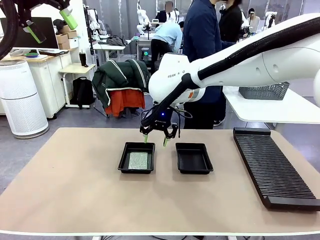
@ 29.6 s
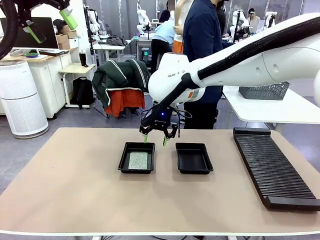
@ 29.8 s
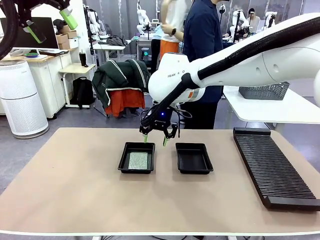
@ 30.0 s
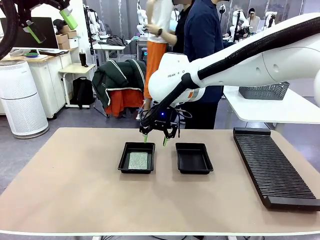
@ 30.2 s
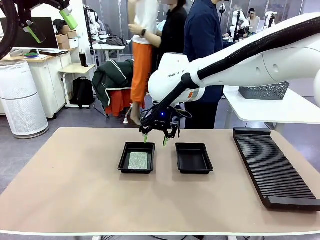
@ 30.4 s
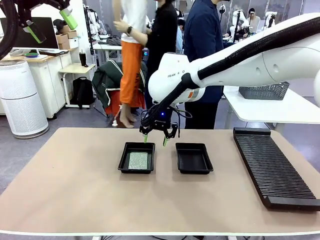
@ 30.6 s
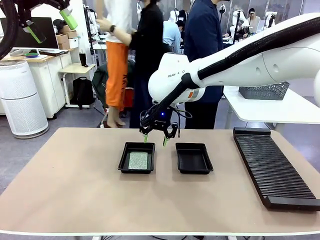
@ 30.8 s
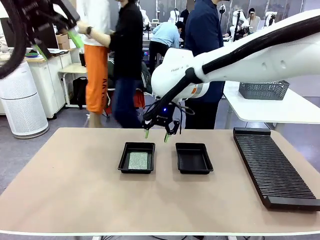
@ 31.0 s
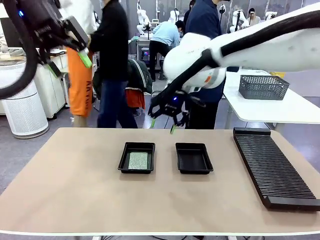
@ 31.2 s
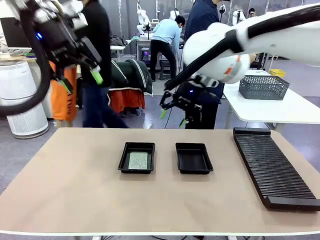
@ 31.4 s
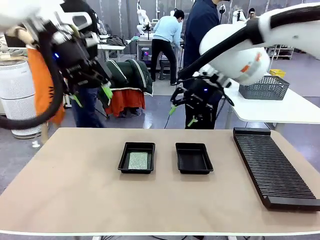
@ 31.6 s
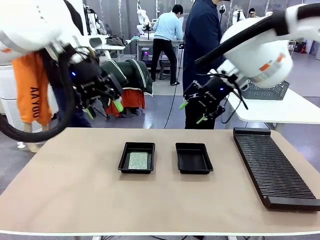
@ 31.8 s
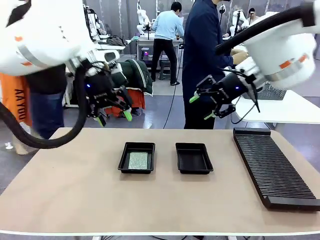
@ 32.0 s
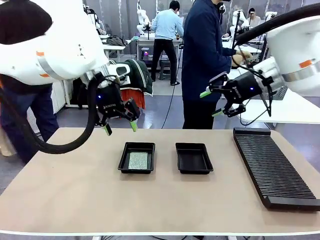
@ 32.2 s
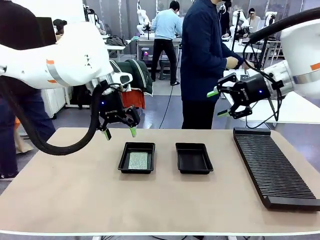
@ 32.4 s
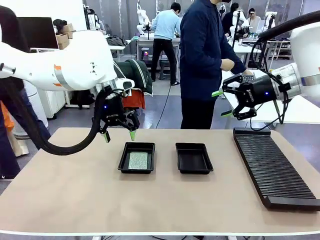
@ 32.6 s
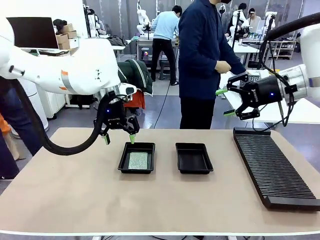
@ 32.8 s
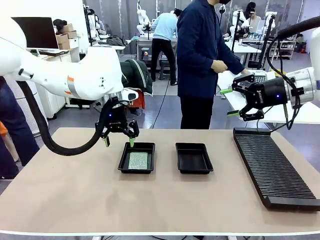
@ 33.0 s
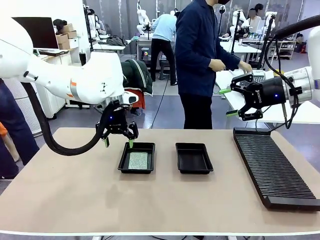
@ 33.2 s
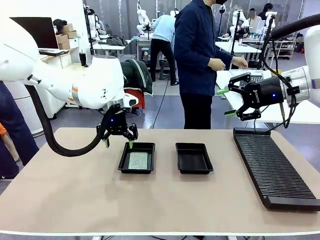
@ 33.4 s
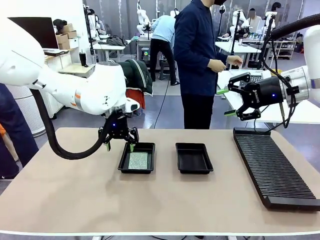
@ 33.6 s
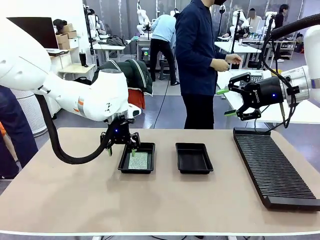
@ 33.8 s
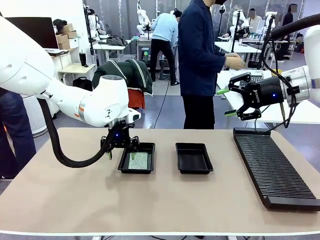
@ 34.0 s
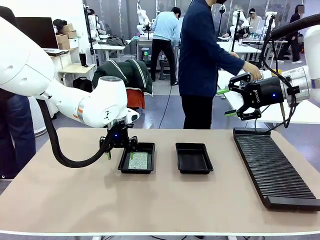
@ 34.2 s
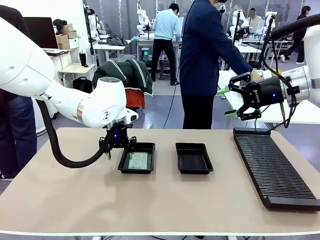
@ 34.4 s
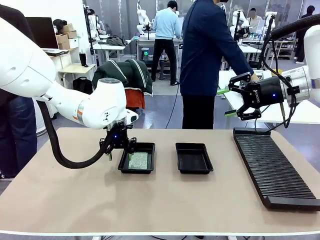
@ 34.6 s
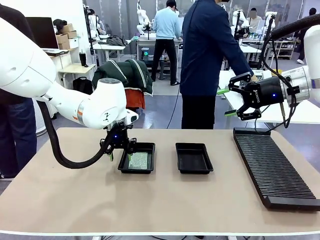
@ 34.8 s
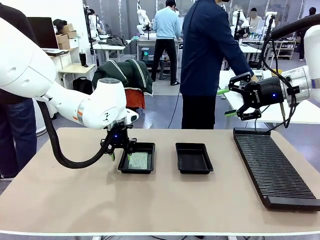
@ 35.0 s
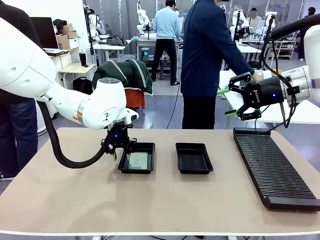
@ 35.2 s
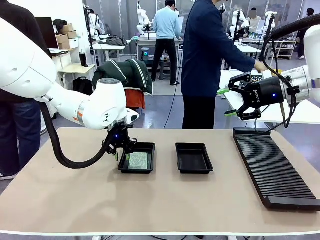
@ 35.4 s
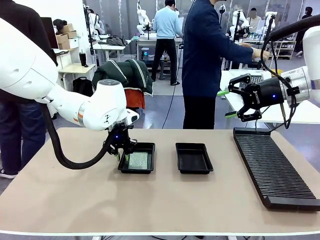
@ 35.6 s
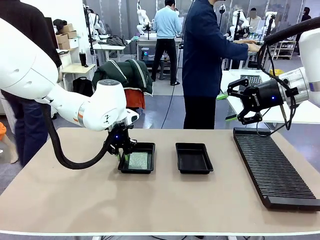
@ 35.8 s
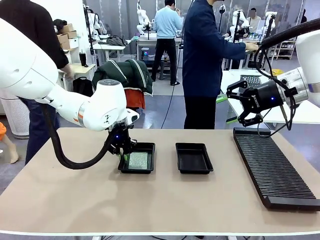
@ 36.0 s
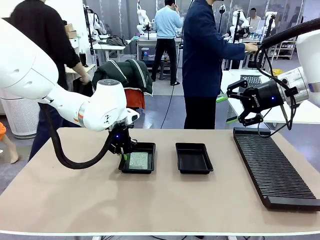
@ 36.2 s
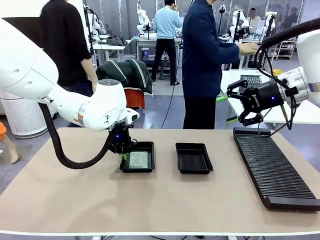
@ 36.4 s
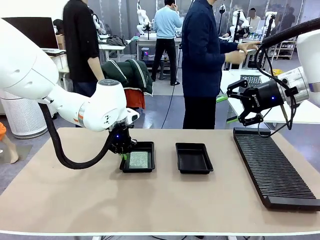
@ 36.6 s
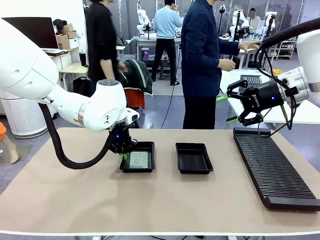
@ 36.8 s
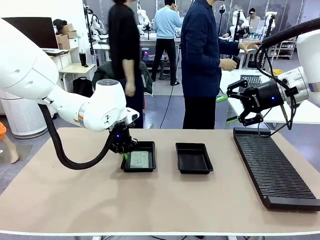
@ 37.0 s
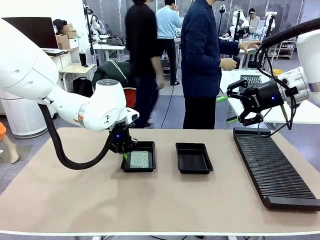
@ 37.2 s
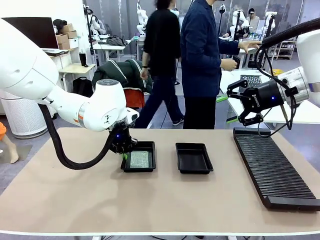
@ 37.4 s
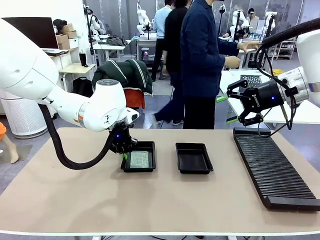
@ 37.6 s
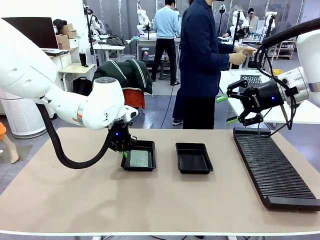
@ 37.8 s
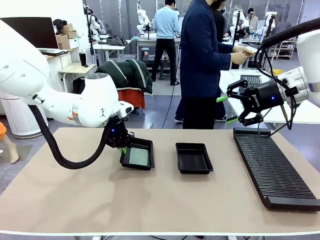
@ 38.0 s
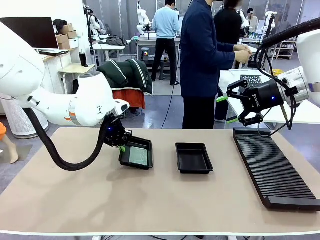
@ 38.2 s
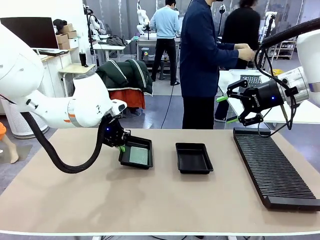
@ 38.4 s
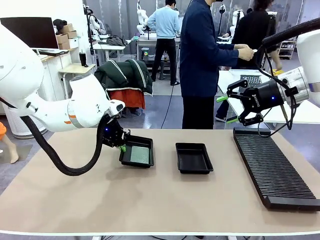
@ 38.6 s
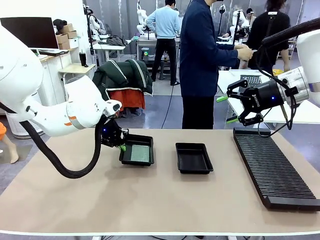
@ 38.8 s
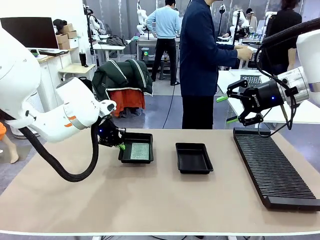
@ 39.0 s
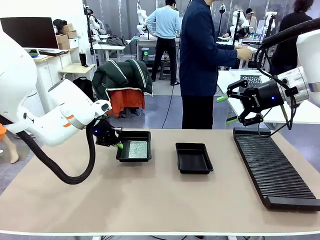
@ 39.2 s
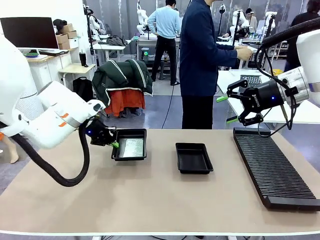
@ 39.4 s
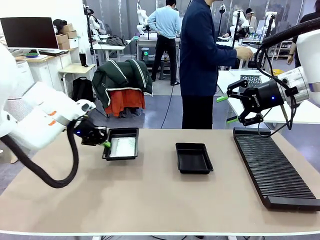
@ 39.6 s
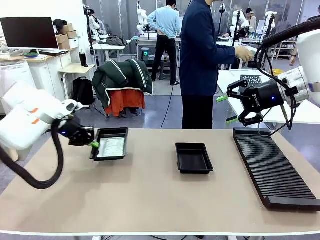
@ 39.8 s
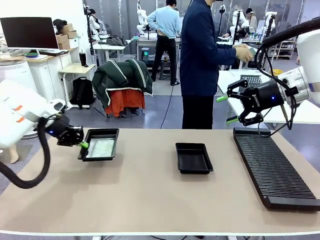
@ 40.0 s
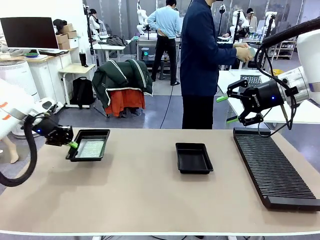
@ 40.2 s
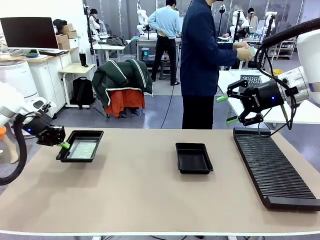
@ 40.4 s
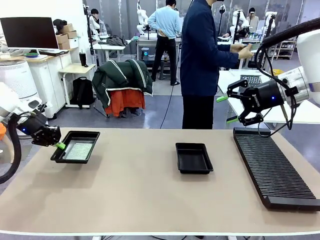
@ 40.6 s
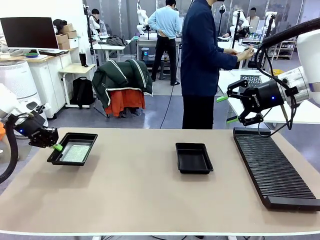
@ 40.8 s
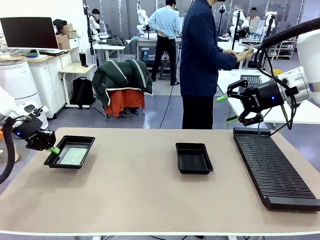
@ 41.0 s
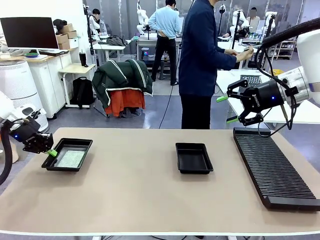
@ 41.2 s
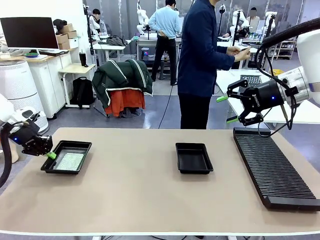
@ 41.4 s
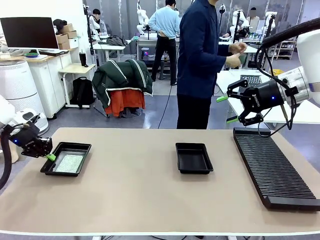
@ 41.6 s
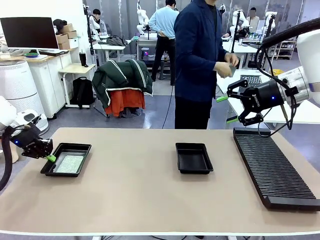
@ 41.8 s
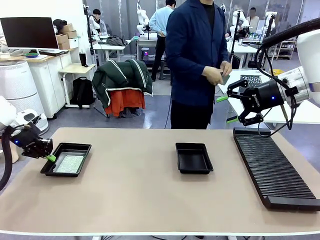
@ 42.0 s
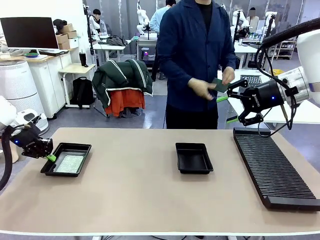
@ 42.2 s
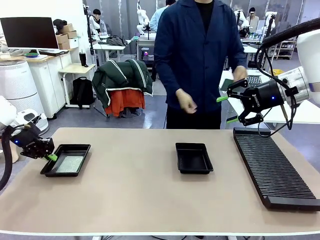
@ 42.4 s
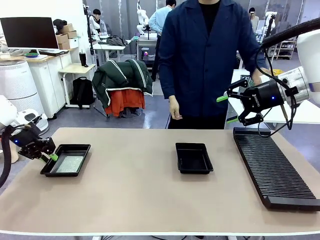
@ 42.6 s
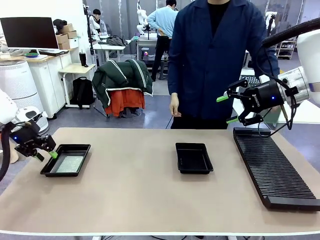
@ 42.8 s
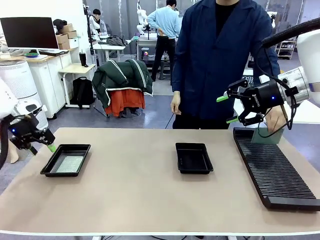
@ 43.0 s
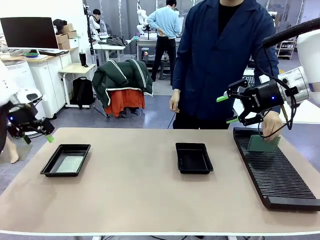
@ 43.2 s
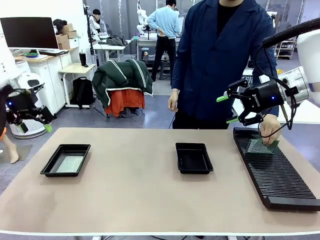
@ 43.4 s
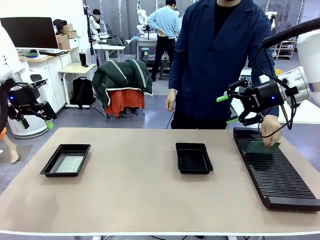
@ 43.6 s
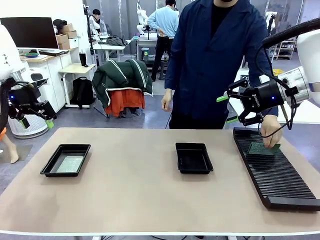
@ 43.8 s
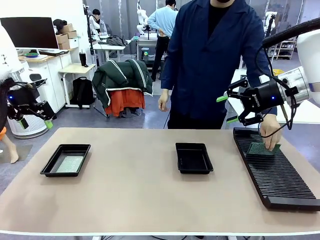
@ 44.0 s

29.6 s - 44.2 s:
Task: Inspect and transfer BCBs to ESD trays.
Robot: Pick up the ESD tray and place it on the left side of the table.

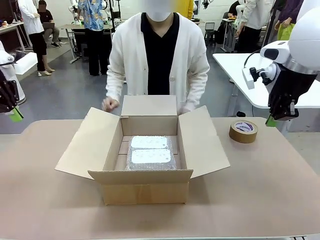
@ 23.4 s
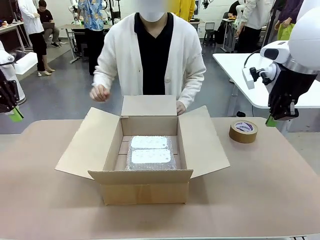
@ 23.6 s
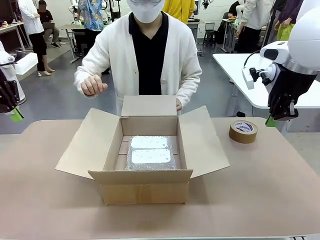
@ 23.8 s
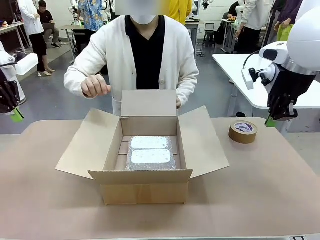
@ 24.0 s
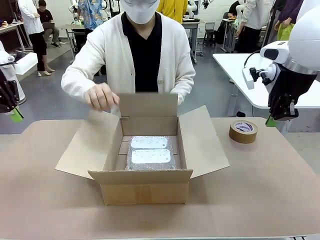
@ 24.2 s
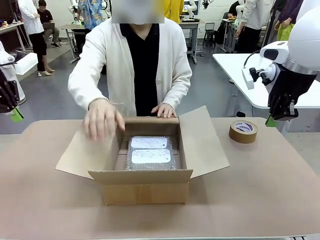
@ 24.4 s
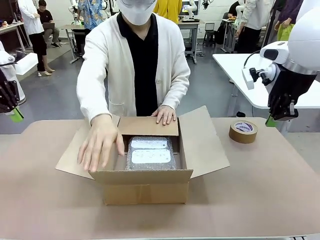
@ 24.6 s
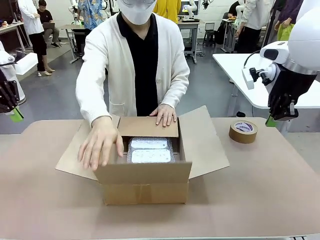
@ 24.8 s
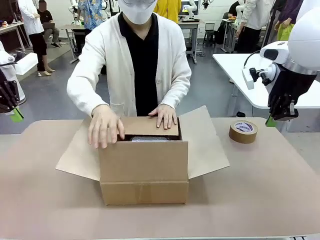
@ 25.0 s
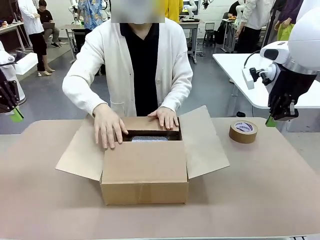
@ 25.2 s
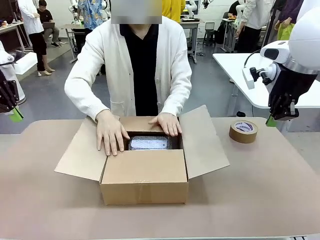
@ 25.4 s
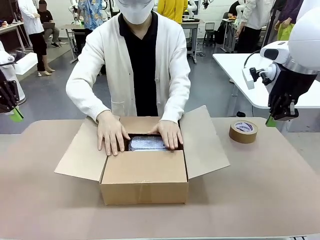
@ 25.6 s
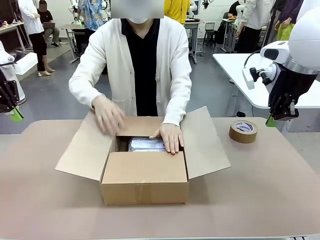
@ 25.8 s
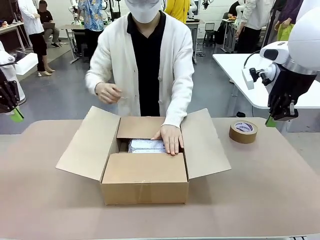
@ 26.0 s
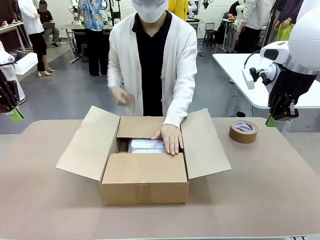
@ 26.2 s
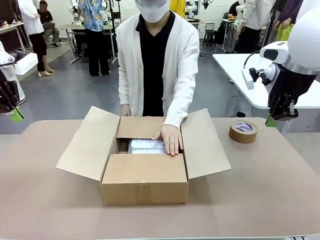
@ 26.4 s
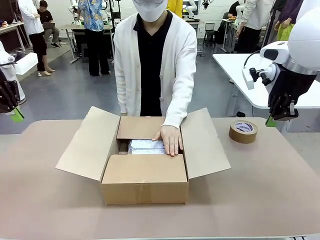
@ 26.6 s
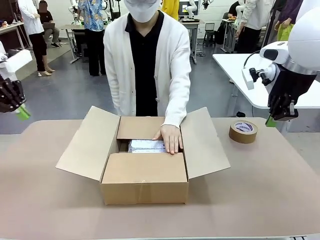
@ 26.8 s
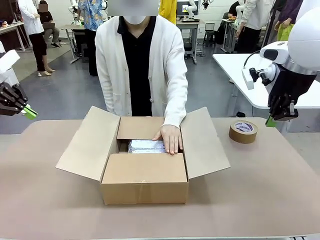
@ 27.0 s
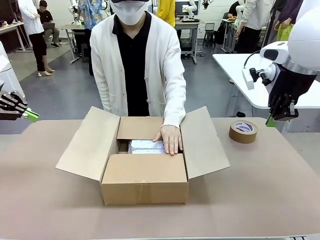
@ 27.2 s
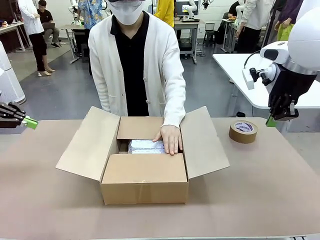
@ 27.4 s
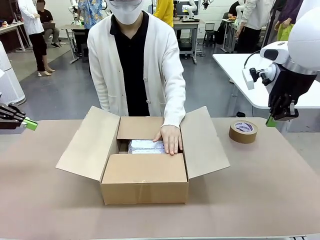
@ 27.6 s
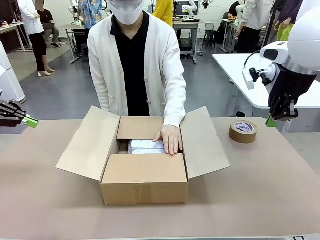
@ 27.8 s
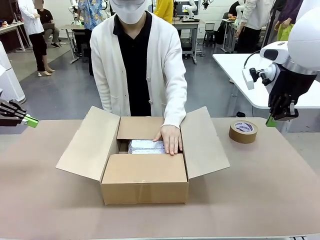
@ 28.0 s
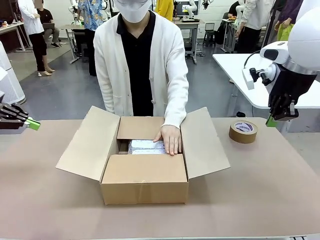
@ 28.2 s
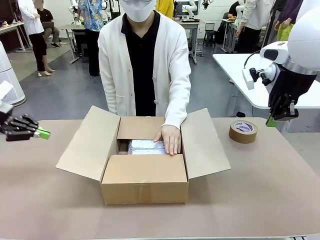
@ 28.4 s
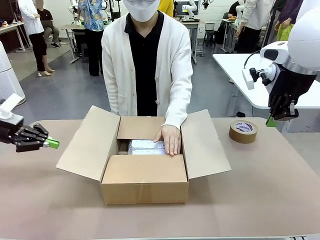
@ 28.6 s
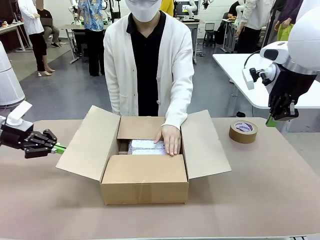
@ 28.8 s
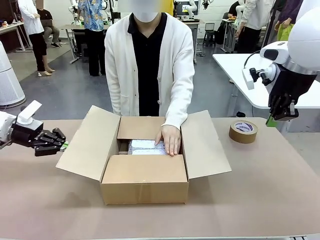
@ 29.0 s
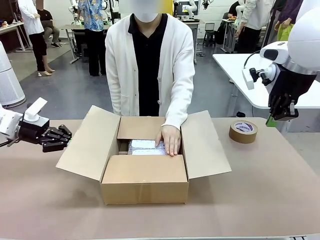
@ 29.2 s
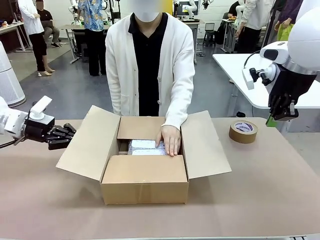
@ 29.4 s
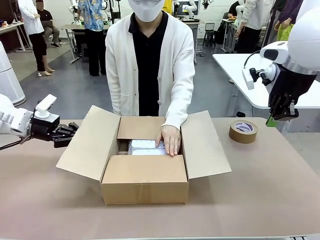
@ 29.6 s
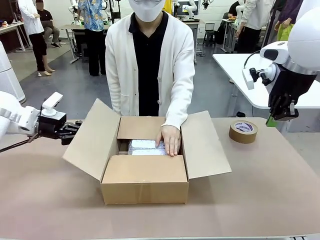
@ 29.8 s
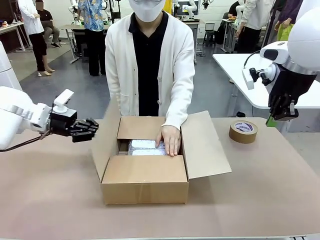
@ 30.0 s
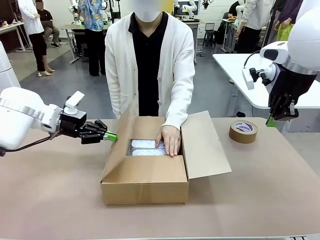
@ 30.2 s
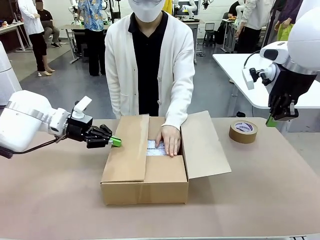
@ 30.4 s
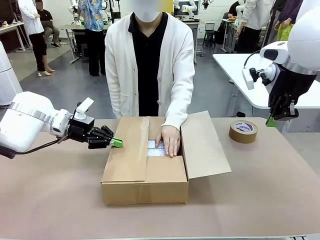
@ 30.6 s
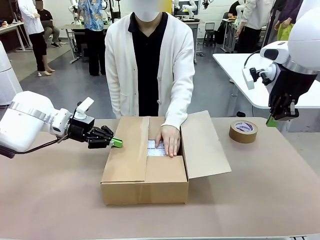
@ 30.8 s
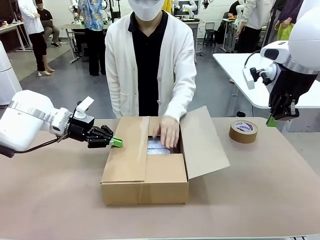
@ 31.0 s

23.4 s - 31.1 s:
Task: Wrap the clocks to prevent damage.
Robot: Push the right (or left) flap of the Package Box to close it.
Person: Hold the top and bottom flaps of the Package Box closed with your left (or right) hand. Once the robot closes the right flap of the Package Box , release your left hand from the box.
